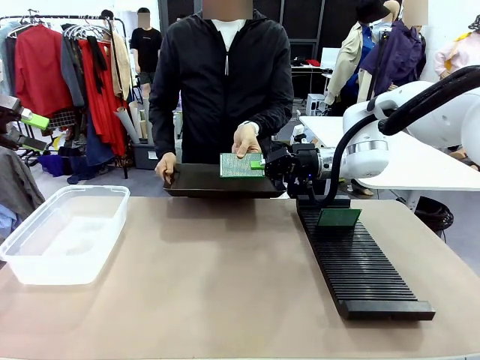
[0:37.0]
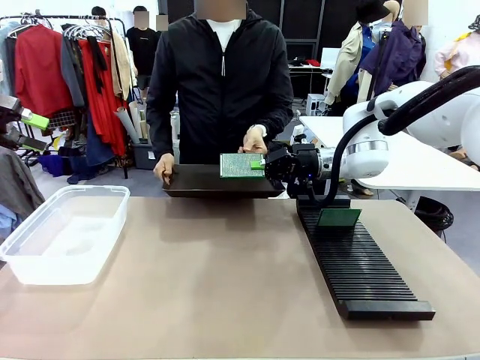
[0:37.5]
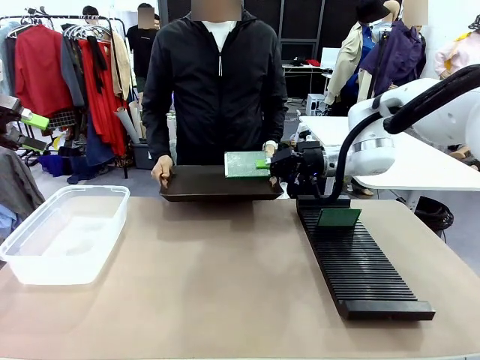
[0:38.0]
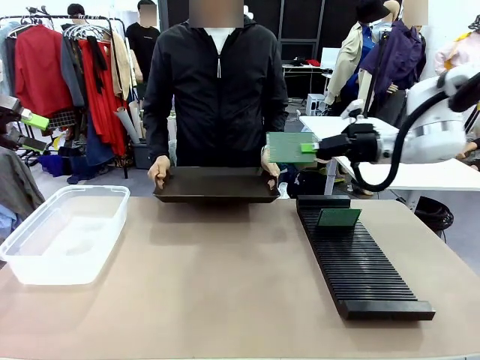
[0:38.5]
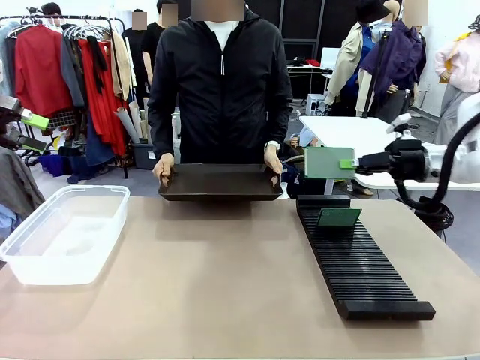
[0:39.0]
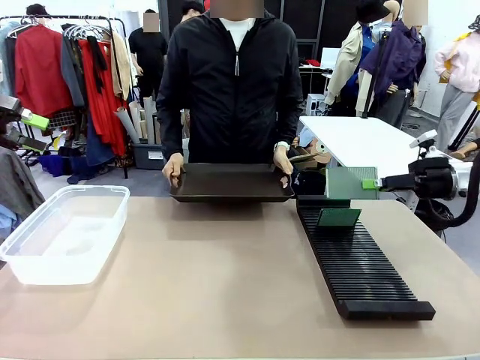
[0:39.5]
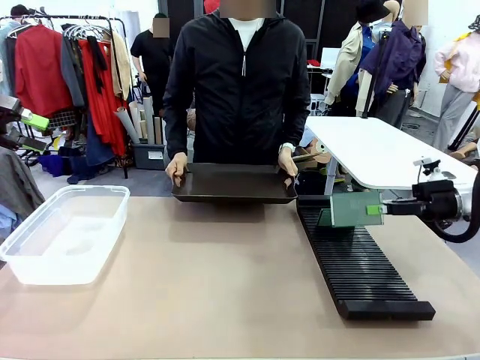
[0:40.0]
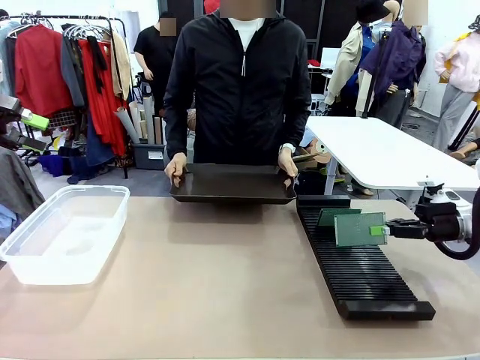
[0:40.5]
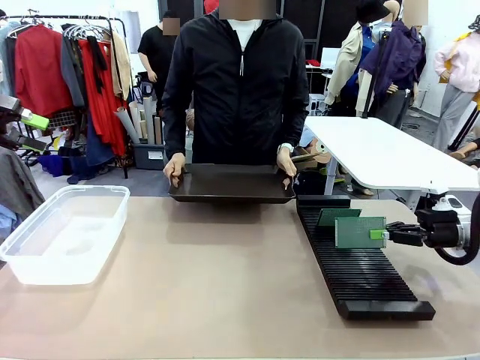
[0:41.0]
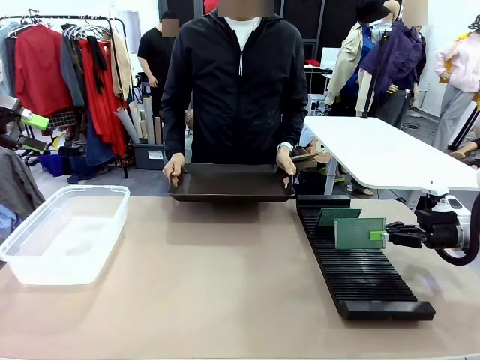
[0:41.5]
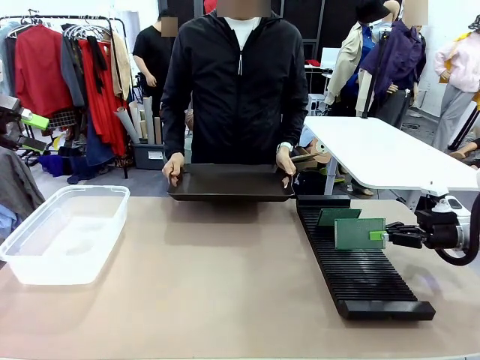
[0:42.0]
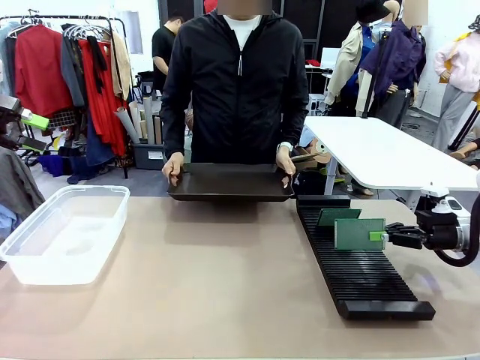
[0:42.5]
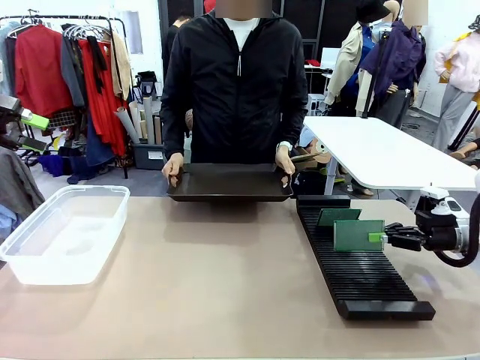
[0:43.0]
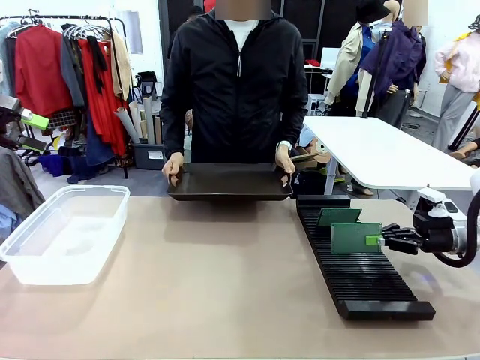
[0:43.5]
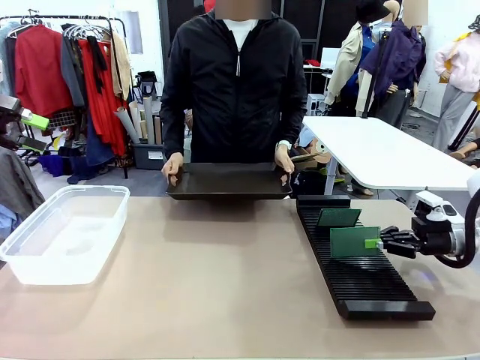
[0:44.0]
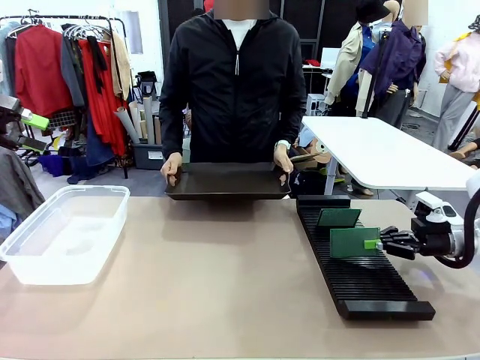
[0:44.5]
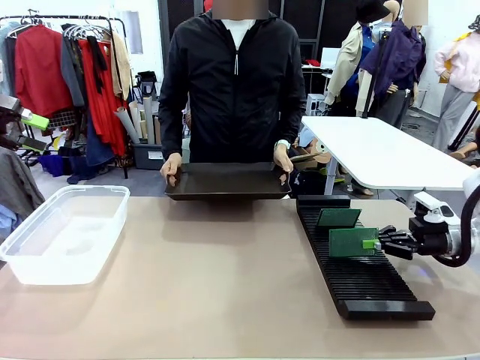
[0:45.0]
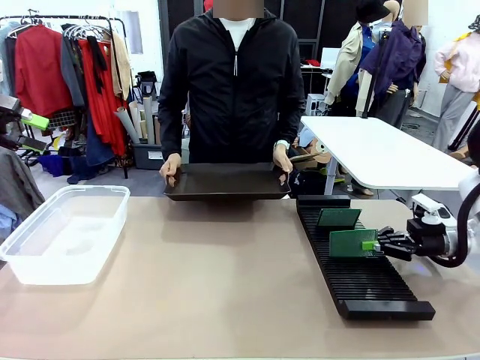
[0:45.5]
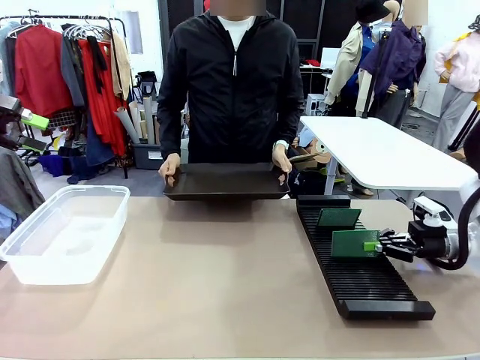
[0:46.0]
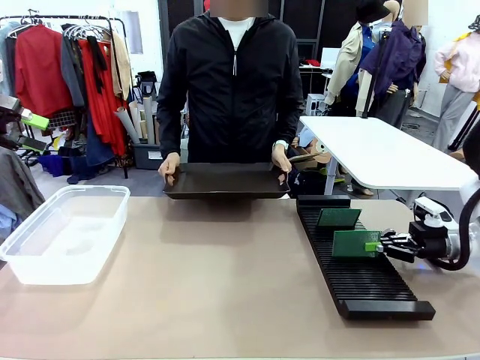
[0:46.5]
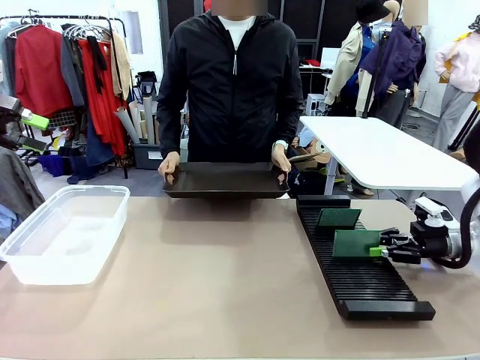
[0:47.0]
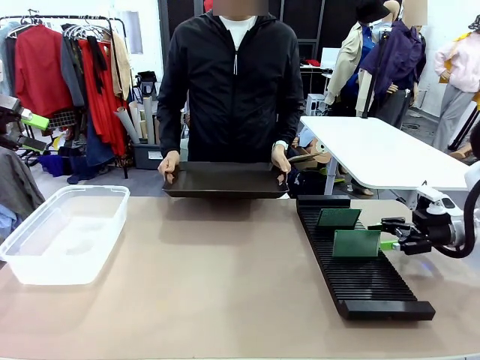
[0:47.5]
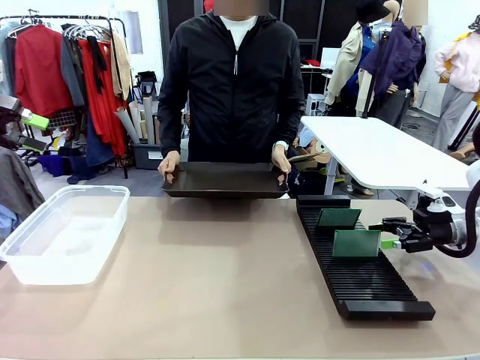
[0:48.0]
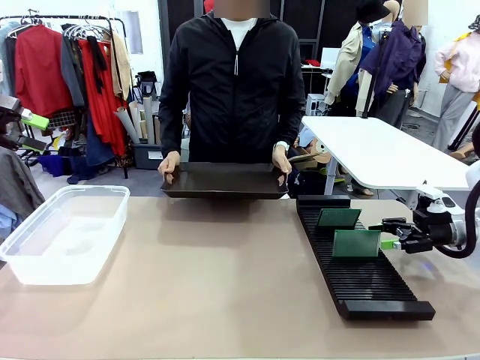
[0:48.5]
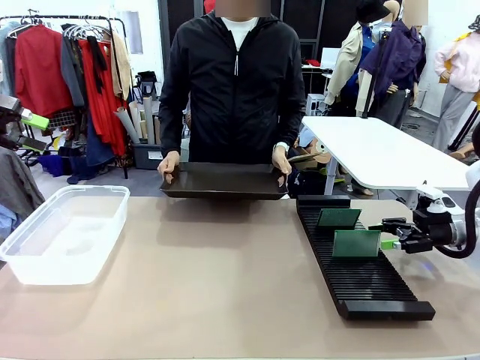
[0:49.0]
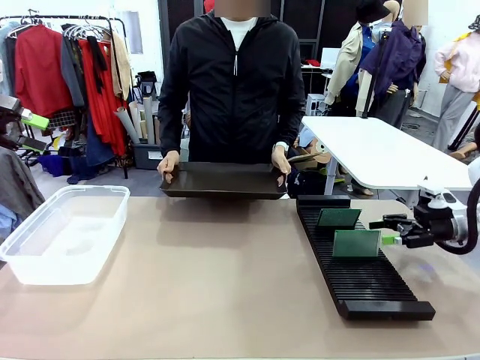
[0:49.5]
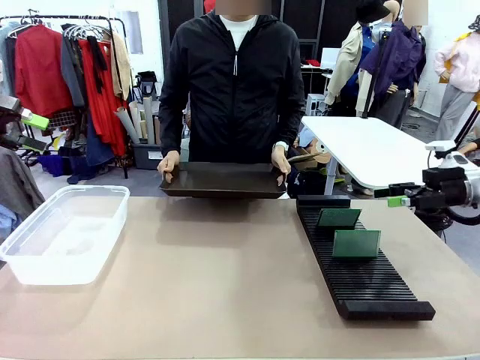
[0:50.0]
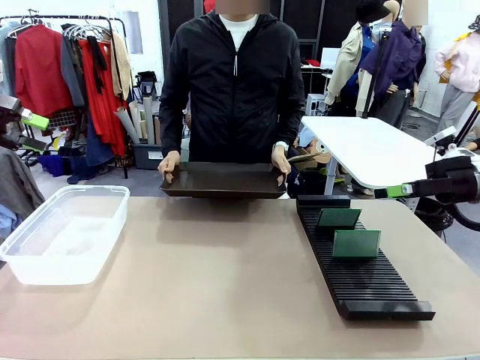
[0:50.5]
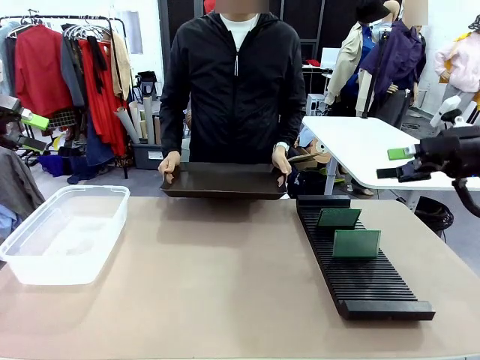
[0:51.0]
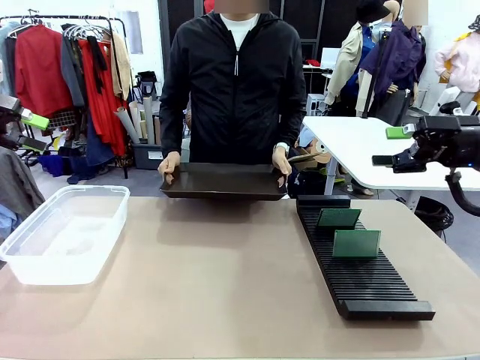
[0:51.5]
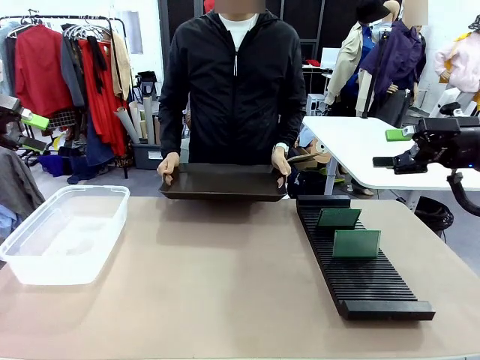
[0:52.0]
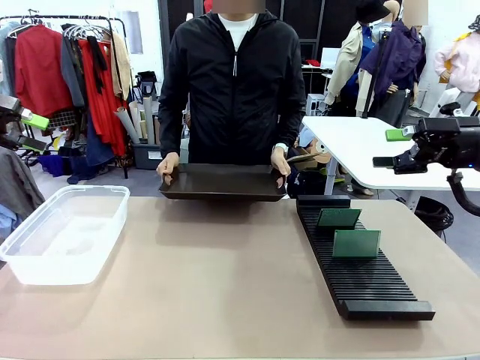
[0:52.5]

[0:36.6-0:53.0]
Task: Sort PCBs into racks and boxes based on the side picked up.
Robot: If the short side of the Blank PCB is picked up, insert it into the PCB Rack ; if the long side is picked up, place it in the Organizing box.
Person: Release the PCB being held.

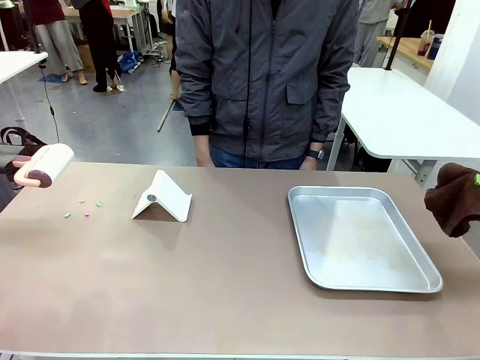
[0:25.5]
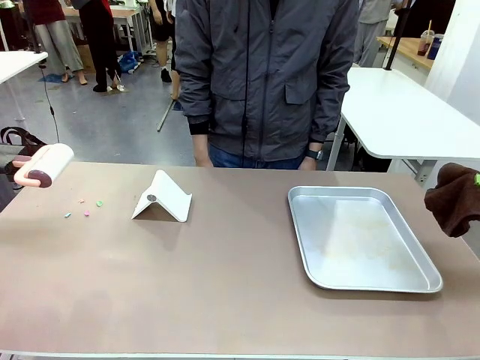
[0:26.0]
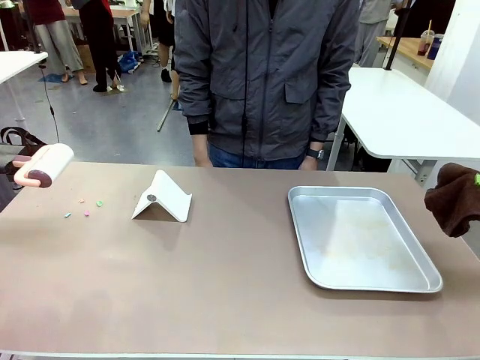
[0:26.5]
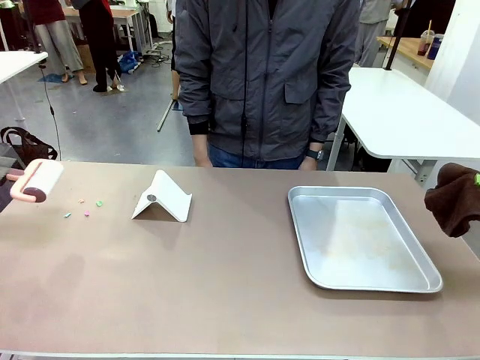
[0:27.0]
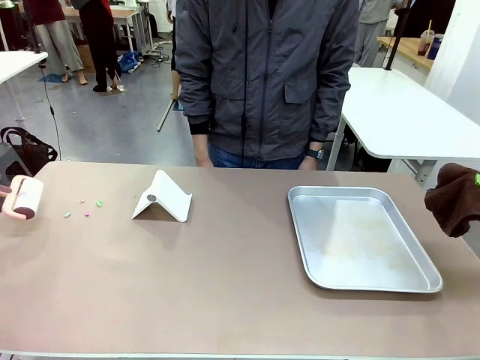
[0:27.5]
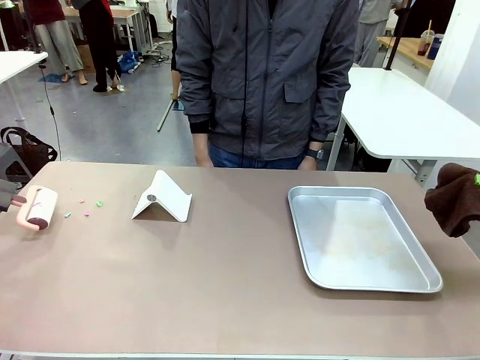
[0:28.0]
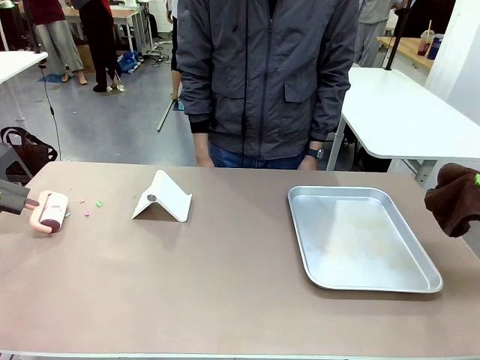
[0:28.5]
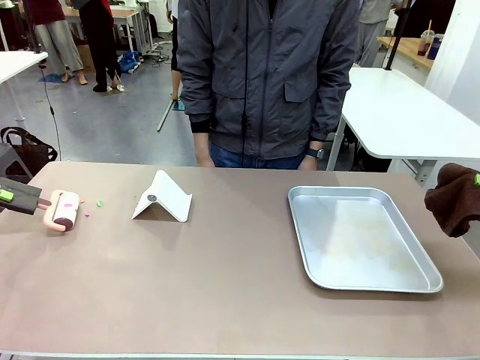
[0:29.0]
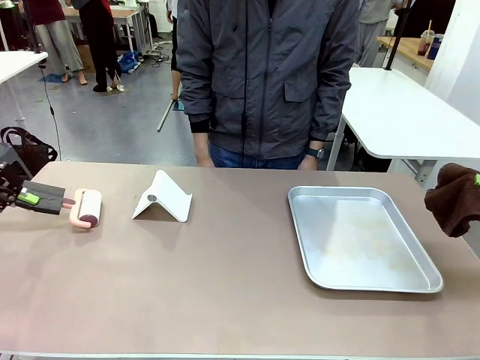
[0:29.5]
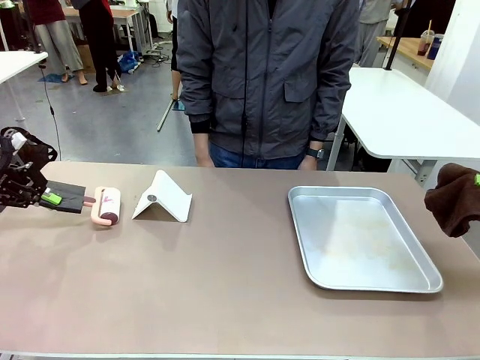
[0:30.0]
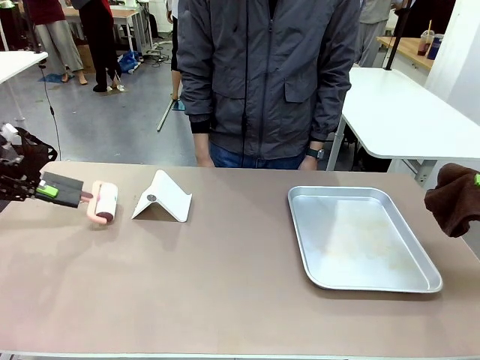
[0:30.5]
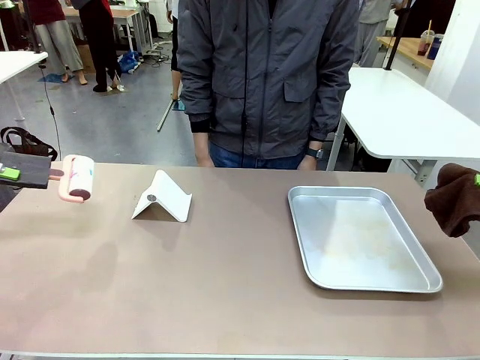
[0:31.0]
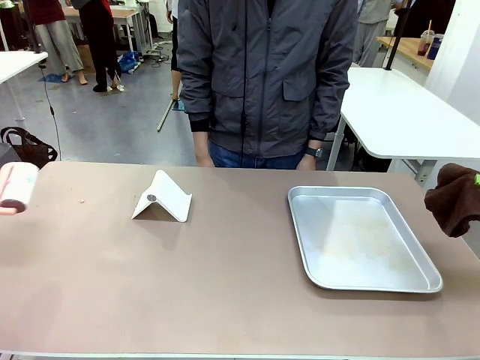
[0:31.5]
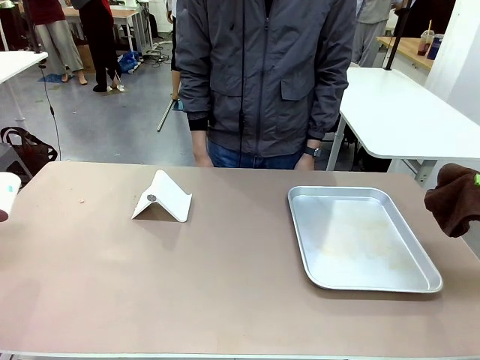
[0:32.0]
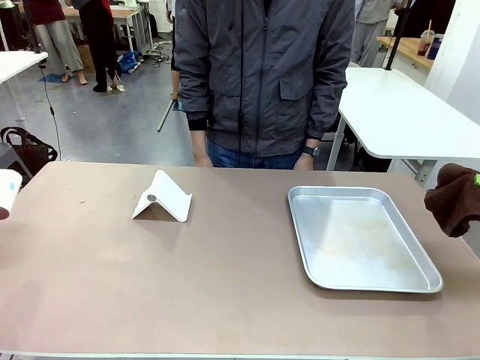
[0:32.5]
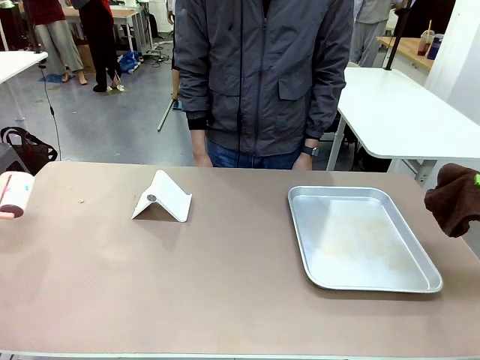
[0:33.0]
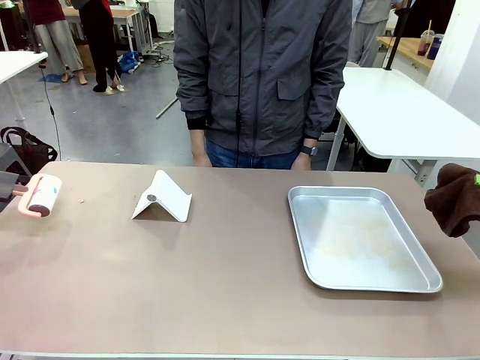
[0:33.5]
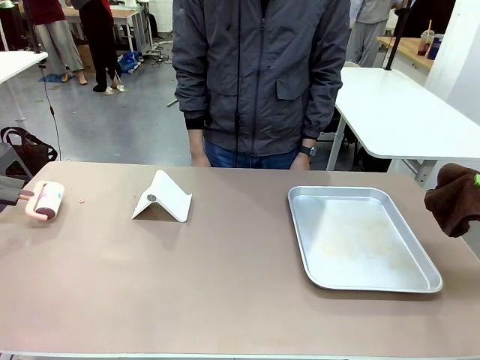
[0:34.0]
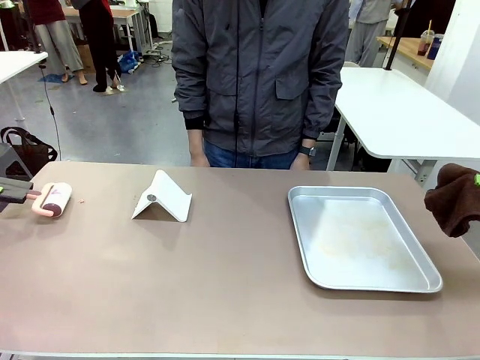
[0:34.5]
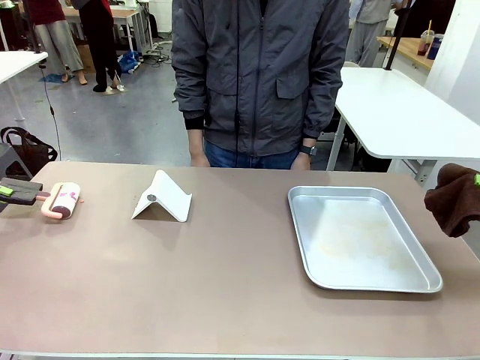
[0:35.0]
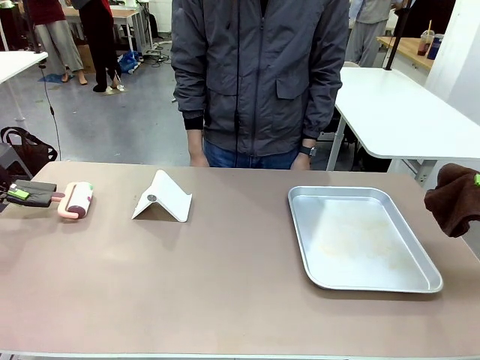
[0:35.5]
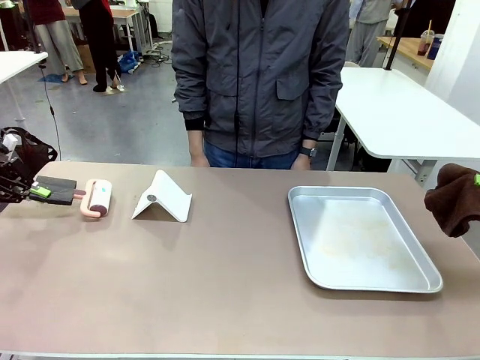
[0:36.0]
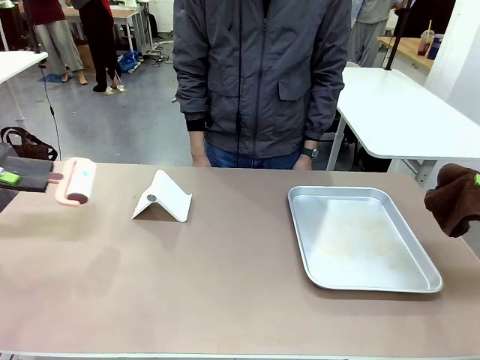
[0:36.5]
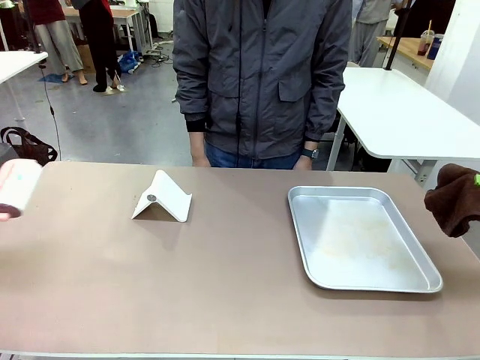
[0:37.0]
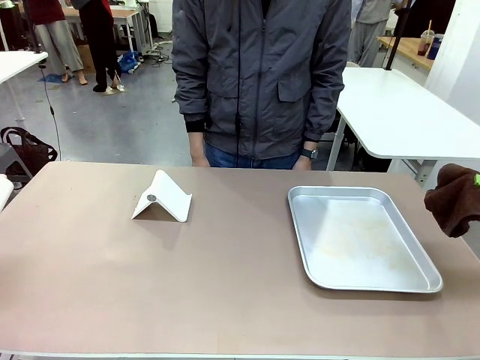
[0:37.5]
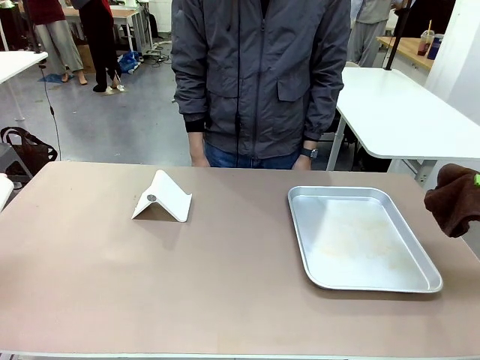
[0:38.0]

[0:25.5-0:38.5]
Task: Clean the surface of the table.
Robot: Clean the area not pointed to by the person.
